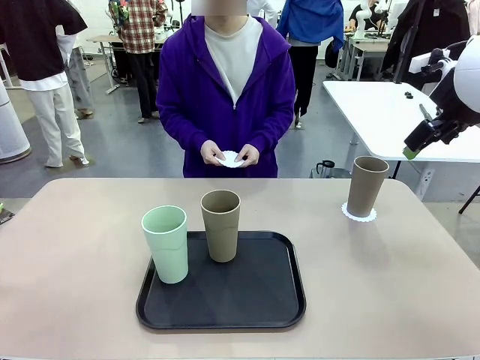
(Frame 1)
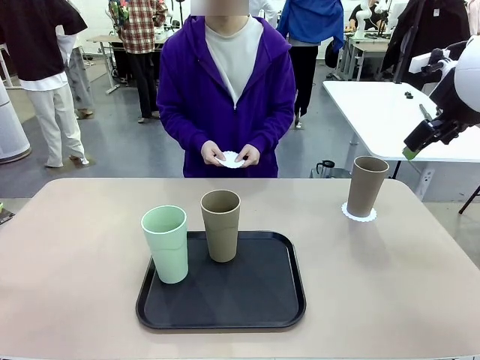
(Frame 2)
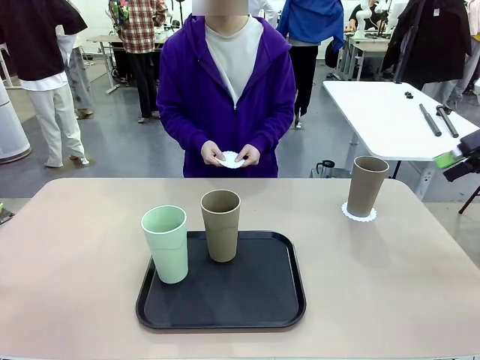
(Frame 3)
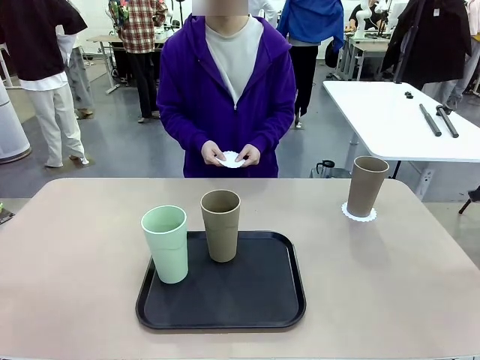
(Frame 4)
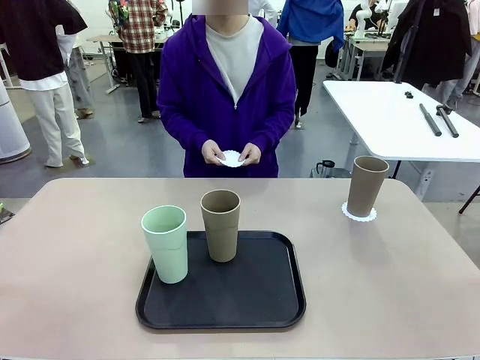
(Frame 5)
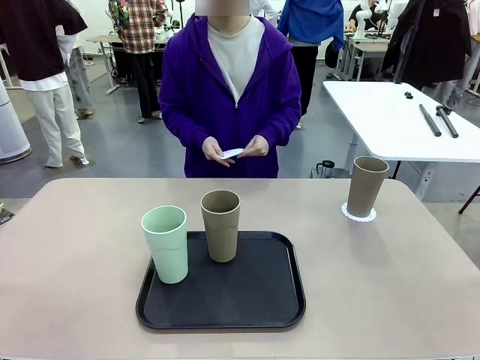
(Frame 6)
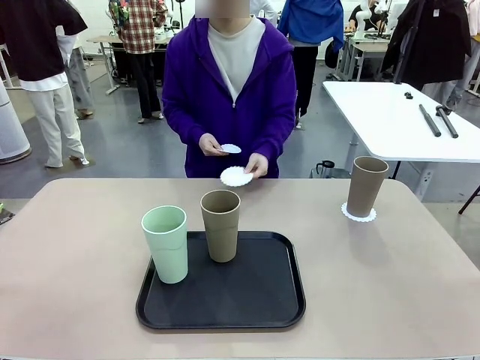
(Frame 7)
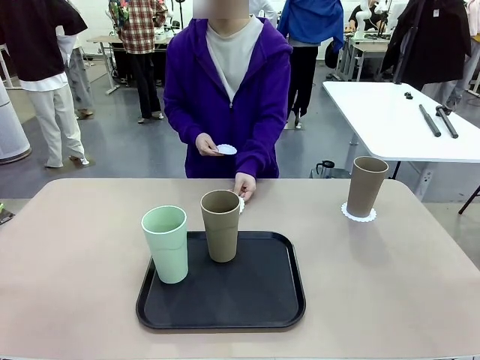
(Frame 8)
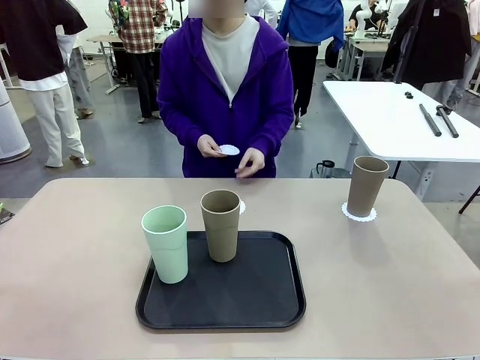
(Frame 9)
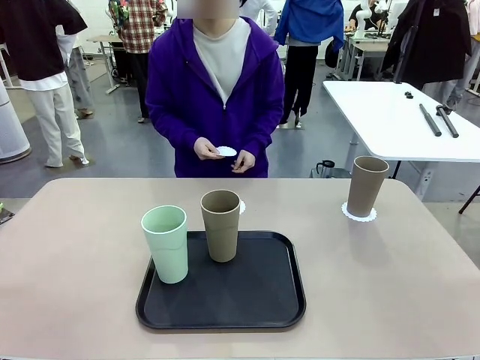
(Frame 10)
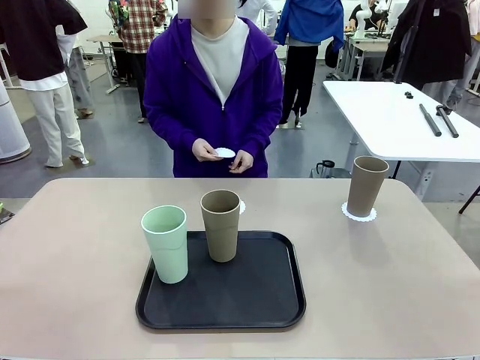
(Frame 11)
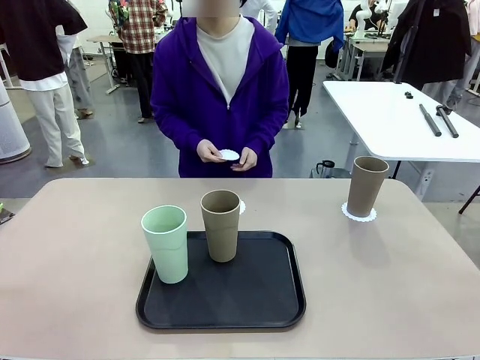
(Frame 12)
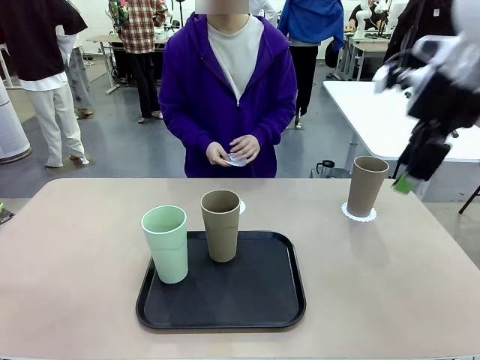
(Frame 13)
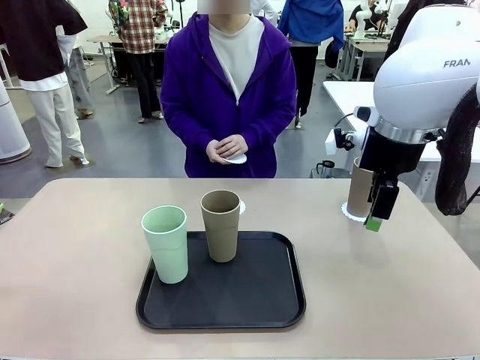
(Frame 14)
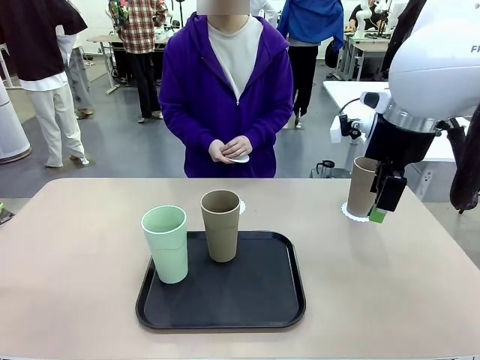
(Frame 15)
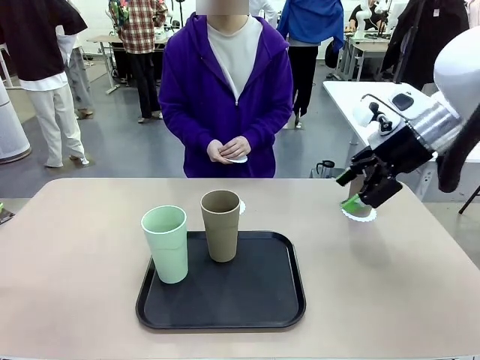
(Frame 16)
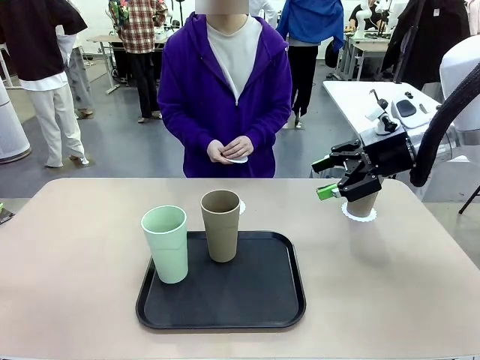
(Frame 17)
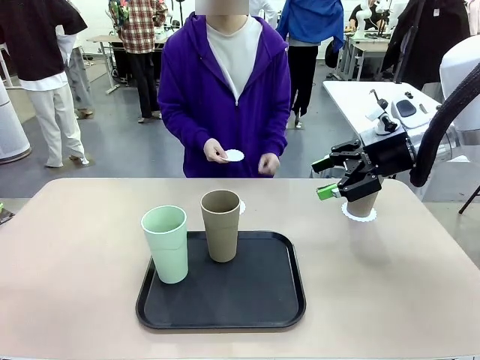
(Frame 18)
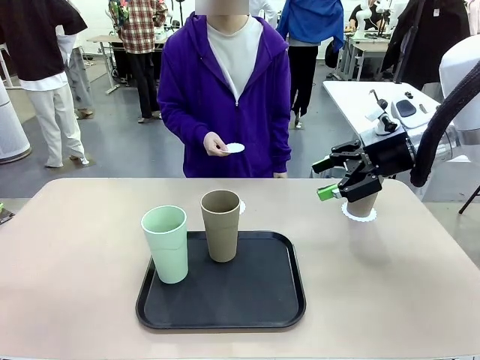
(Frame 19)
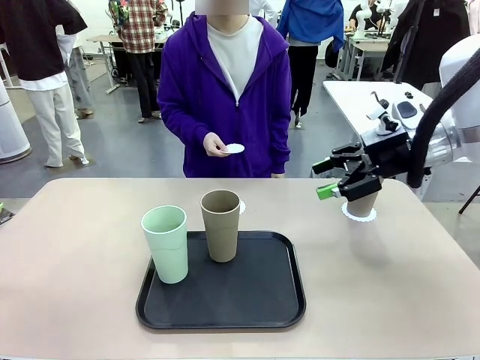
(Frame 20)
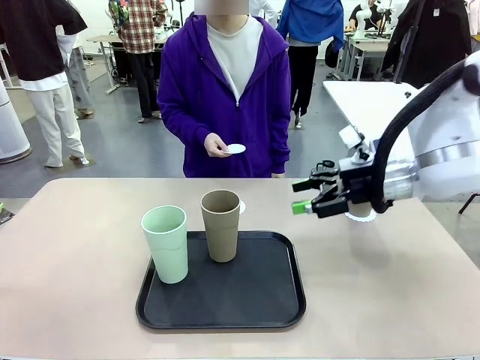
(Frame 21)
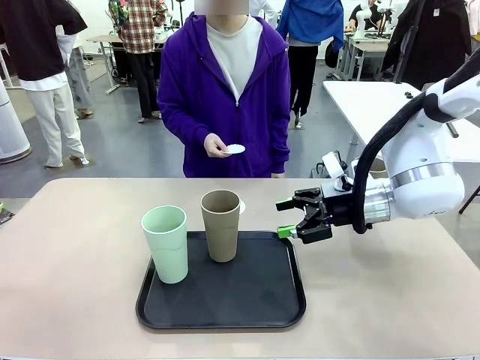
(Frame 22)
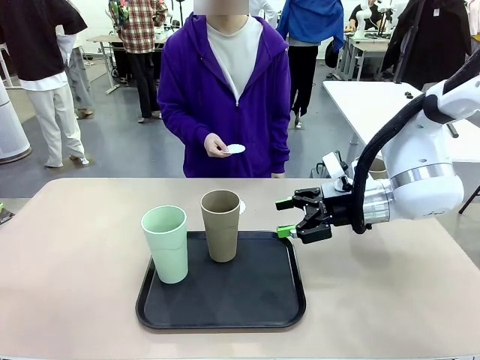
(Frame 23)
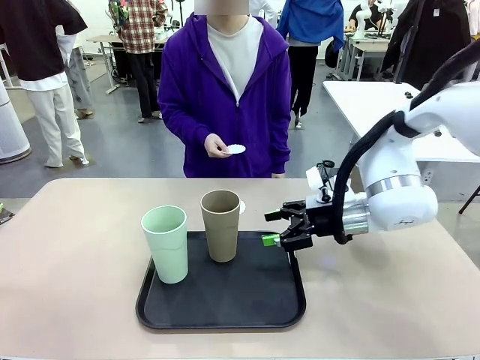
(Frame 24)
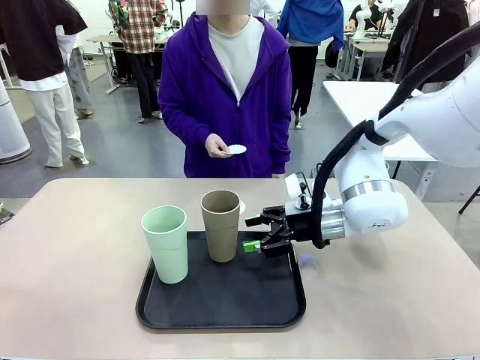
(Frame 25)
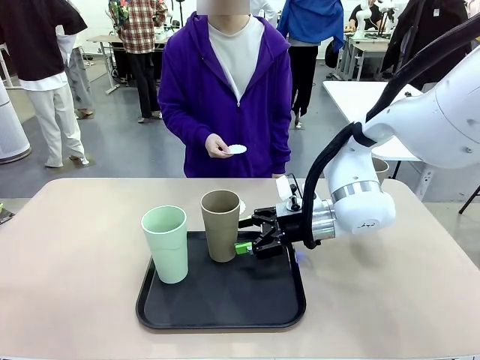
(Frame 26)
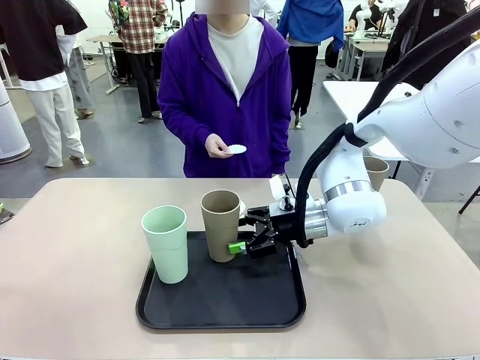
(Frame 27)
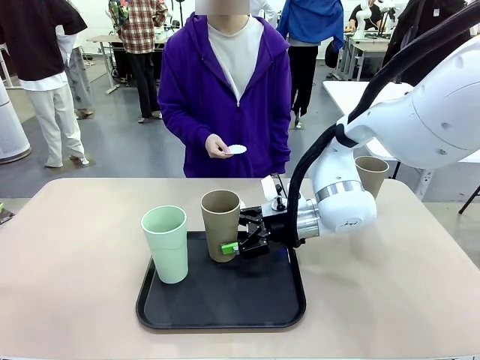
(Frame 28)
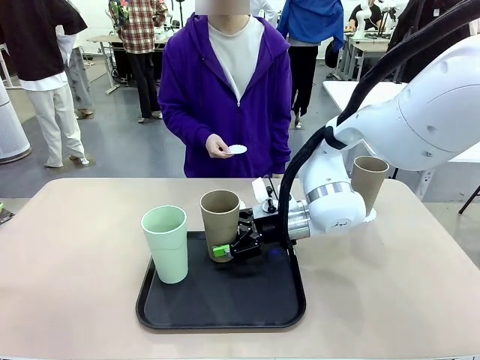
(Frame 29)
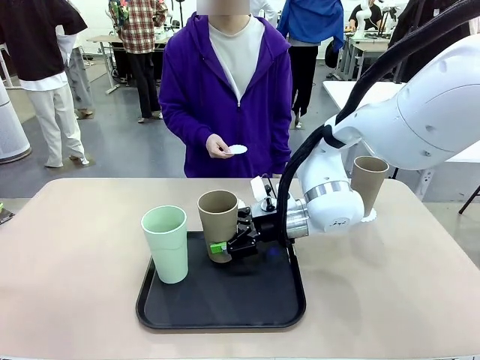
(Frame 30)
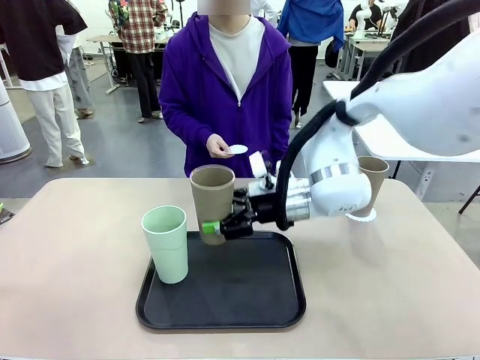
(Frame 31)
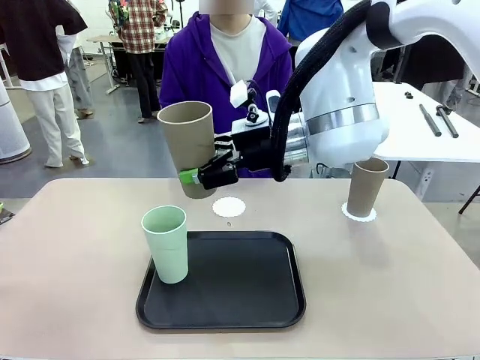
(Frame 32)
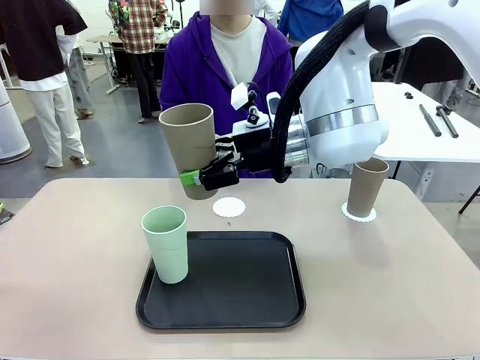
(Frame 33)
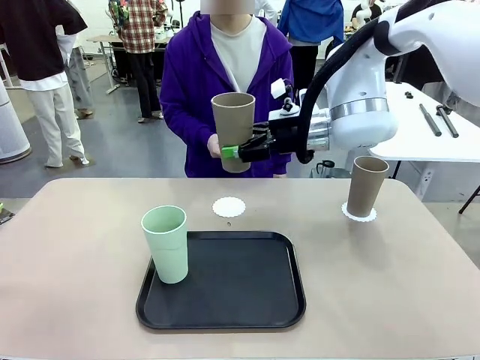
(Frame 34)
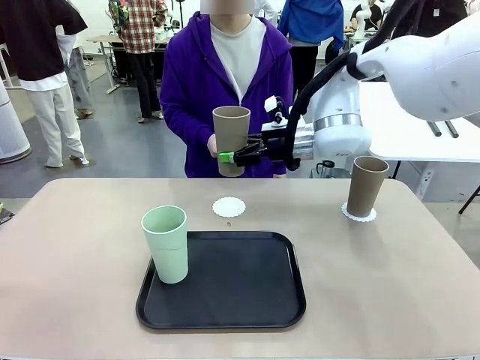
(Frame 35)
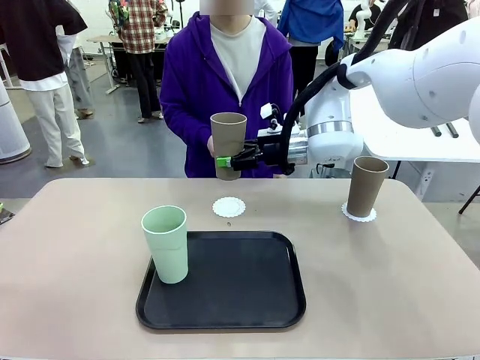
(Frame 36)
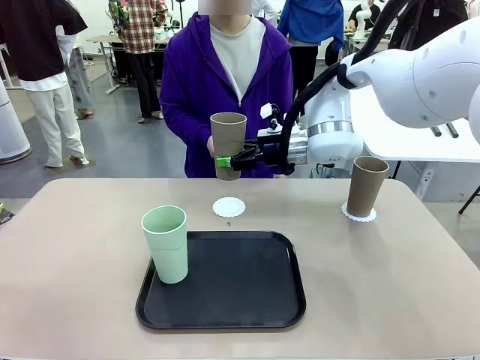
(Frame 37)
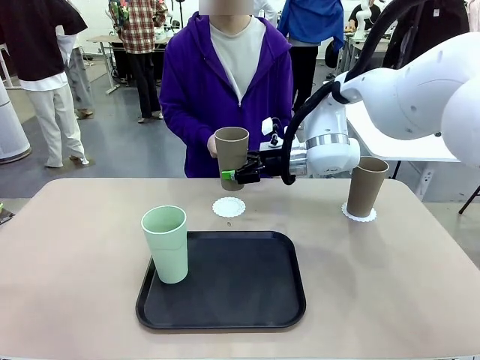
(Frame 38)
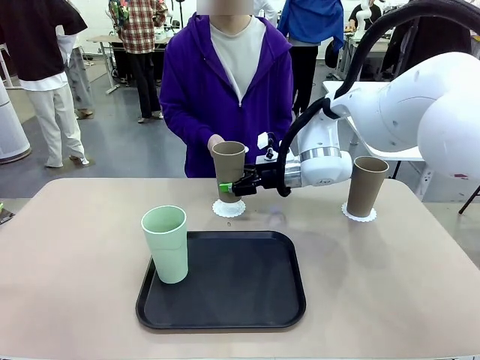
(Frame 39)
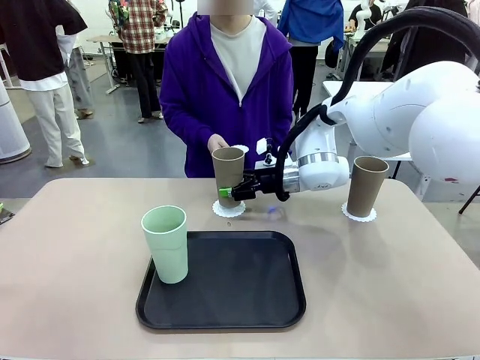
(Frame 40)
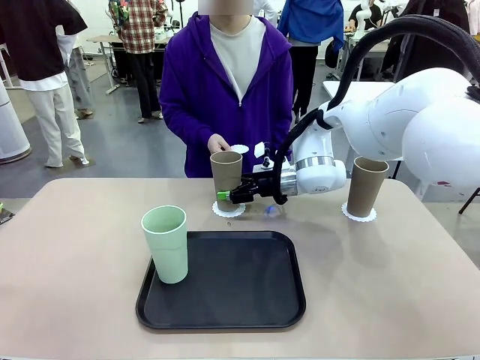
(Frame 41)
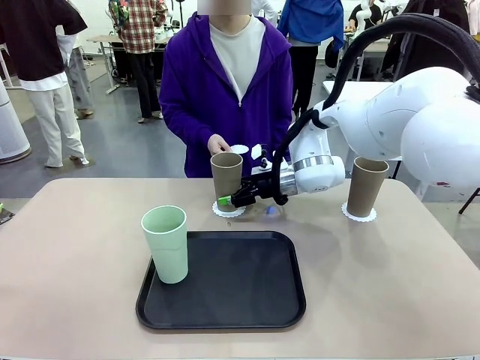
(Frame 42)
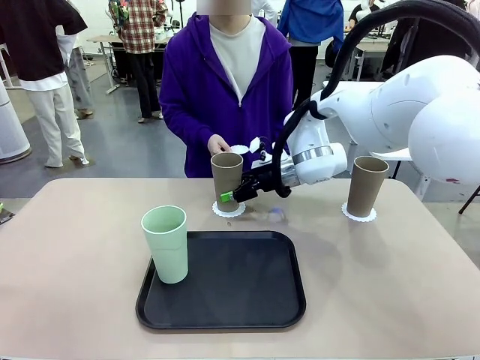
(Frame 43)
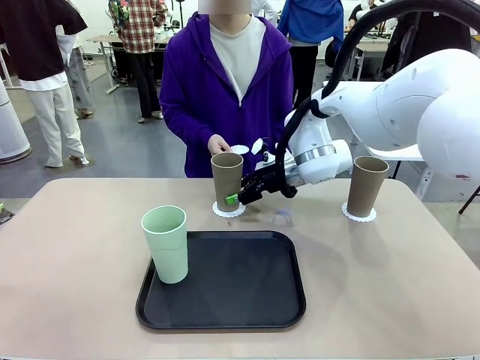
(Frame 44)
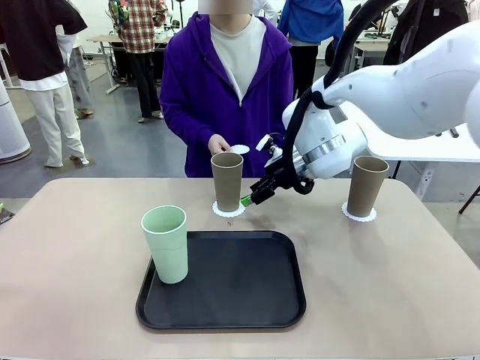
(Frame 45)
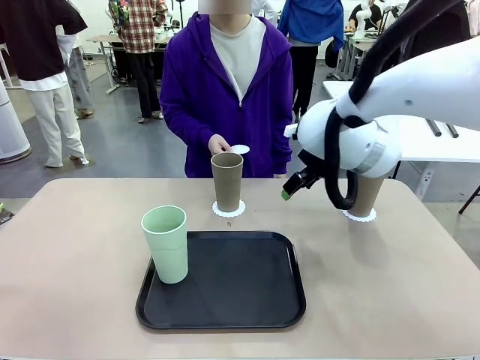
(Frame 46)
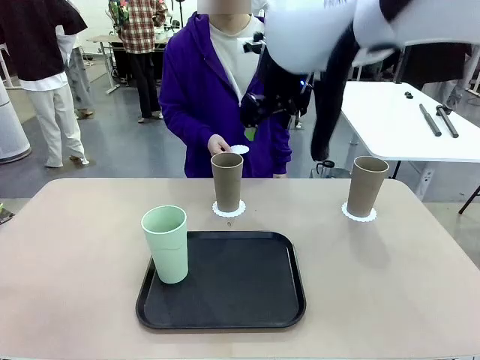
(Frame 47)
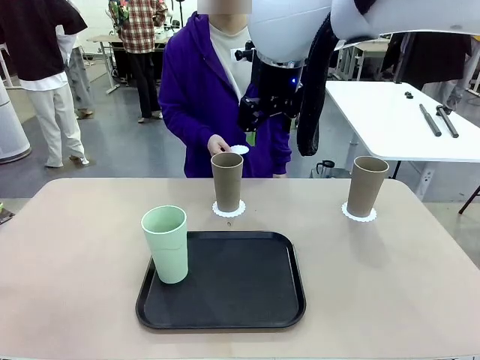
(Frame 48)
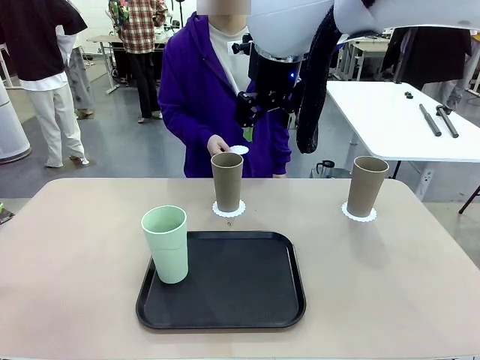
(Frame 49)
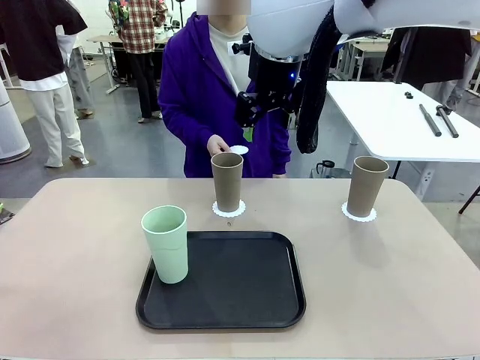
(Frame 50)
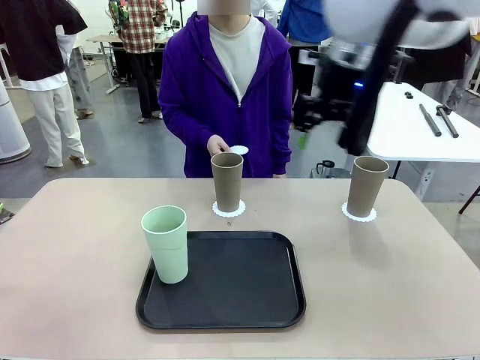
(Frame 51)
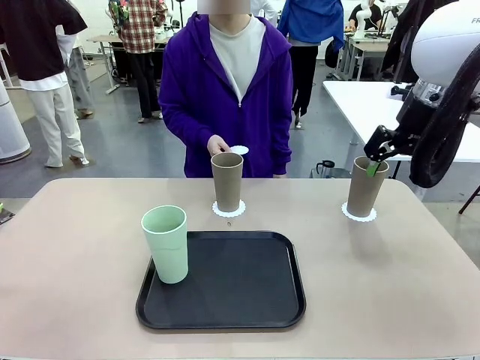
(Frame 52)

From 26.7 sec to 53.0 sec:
Task: Place coasters on the table and set cups on them.
Robot: Take one Reusable plastic cup from the Flat Tray and place it on a coaster set by the human.
